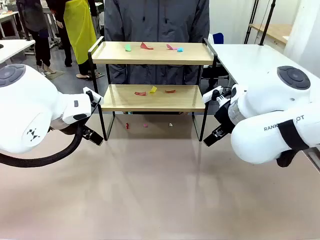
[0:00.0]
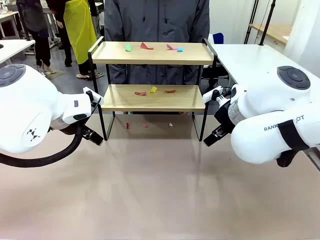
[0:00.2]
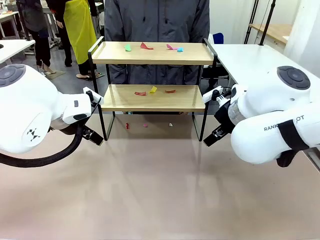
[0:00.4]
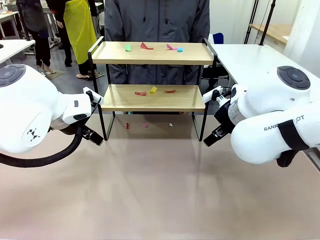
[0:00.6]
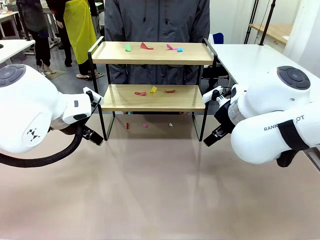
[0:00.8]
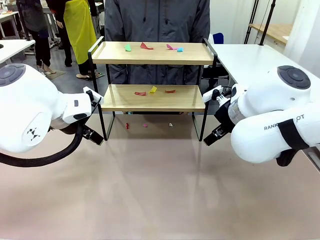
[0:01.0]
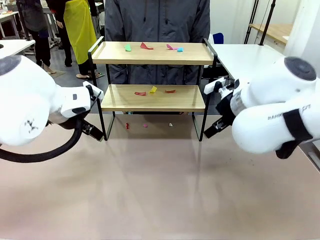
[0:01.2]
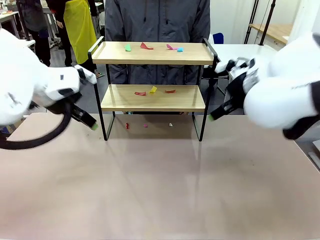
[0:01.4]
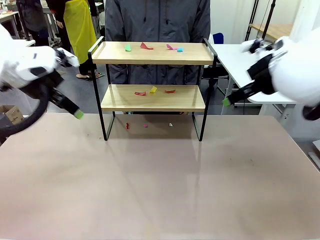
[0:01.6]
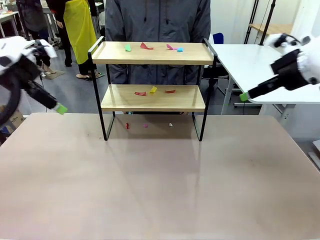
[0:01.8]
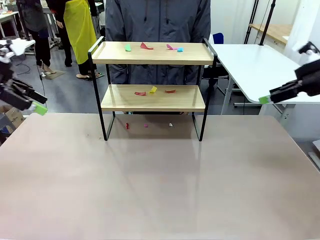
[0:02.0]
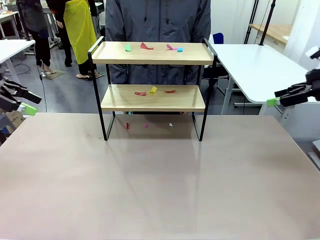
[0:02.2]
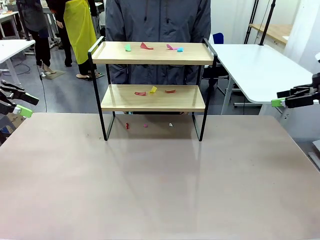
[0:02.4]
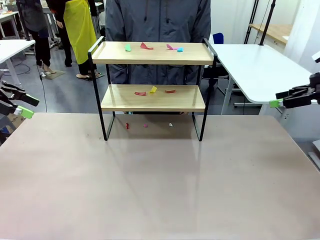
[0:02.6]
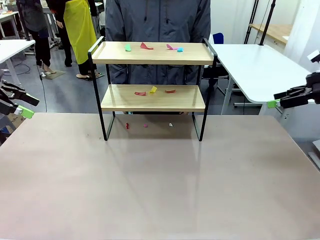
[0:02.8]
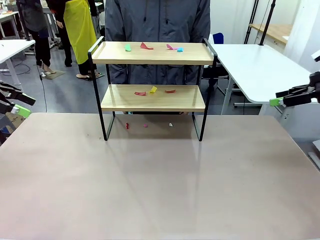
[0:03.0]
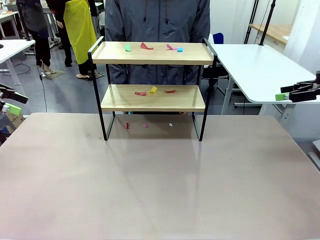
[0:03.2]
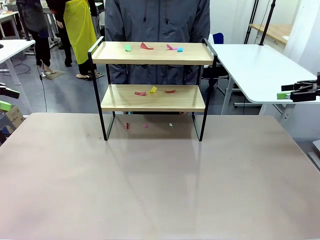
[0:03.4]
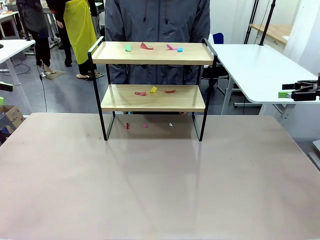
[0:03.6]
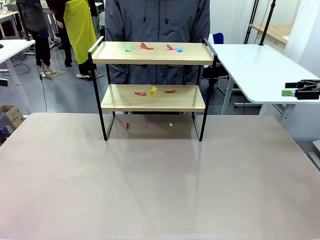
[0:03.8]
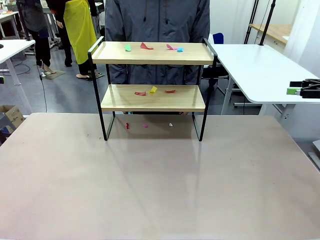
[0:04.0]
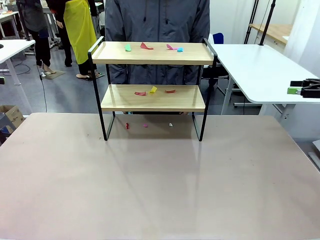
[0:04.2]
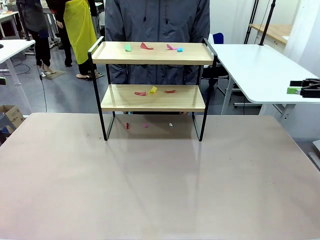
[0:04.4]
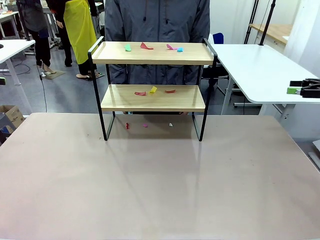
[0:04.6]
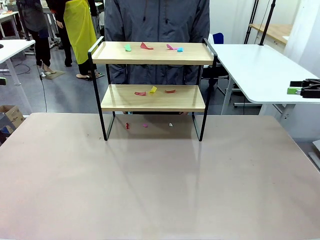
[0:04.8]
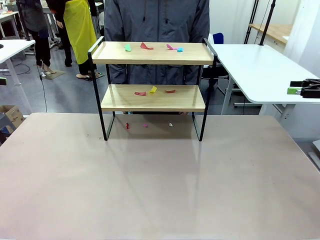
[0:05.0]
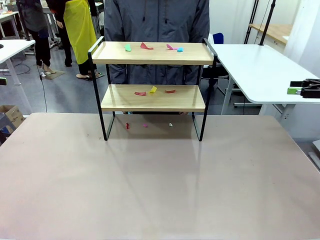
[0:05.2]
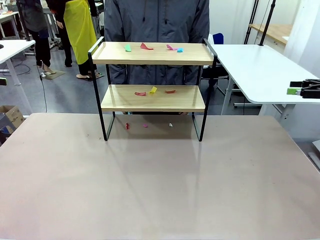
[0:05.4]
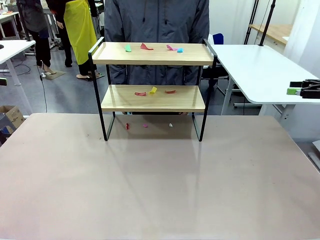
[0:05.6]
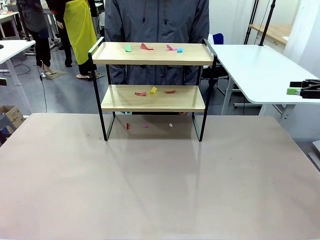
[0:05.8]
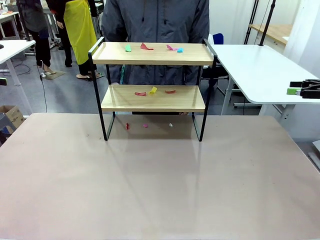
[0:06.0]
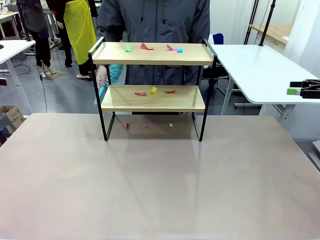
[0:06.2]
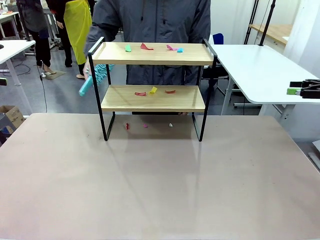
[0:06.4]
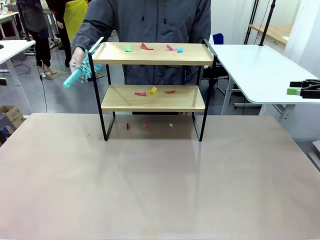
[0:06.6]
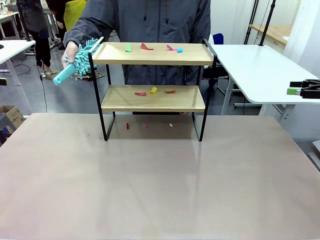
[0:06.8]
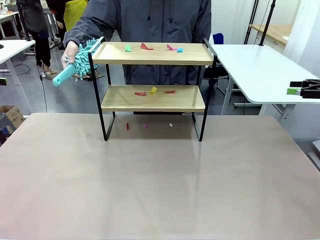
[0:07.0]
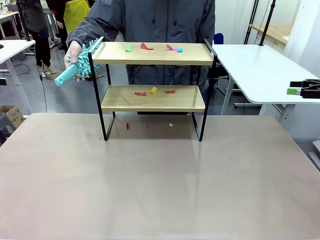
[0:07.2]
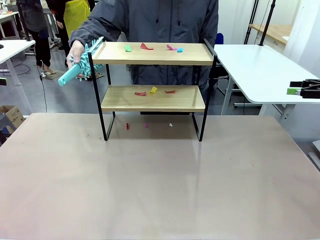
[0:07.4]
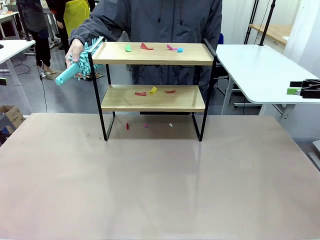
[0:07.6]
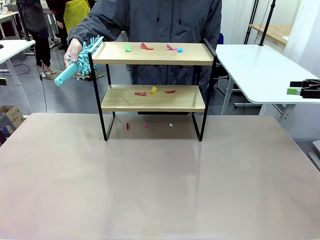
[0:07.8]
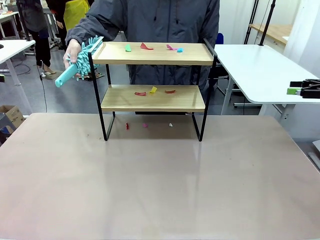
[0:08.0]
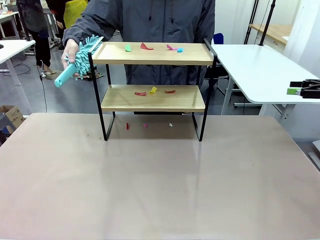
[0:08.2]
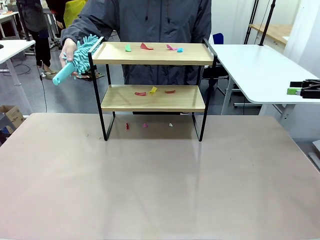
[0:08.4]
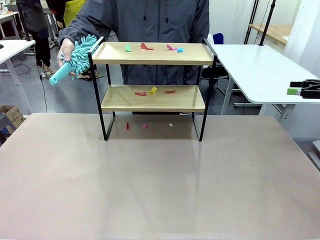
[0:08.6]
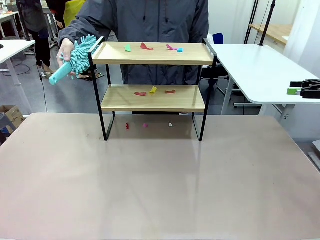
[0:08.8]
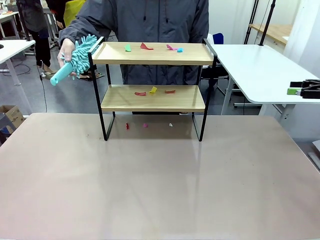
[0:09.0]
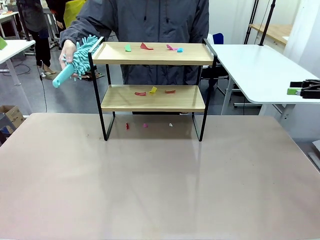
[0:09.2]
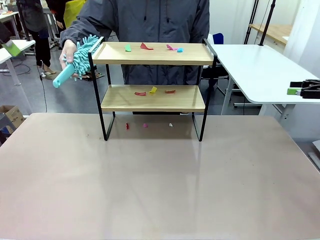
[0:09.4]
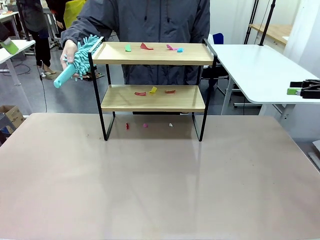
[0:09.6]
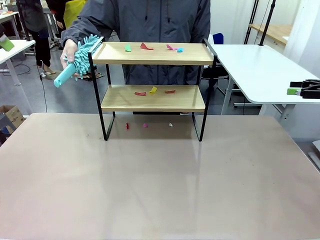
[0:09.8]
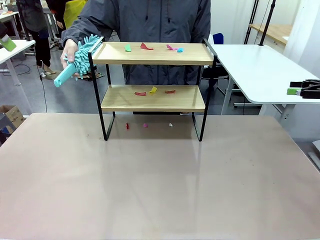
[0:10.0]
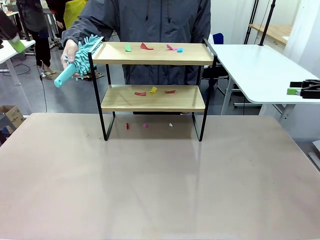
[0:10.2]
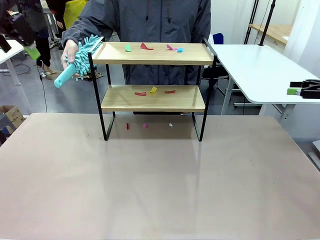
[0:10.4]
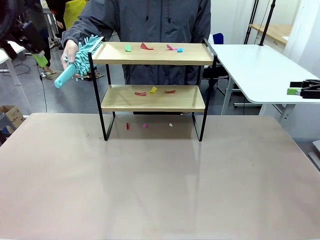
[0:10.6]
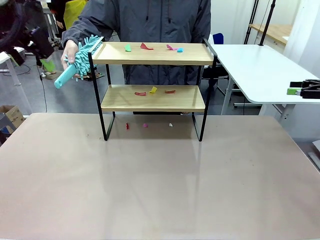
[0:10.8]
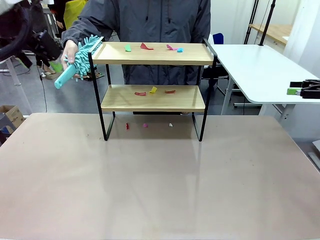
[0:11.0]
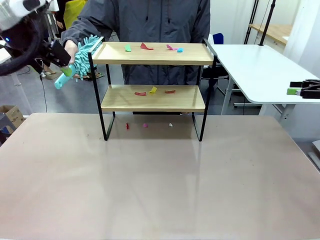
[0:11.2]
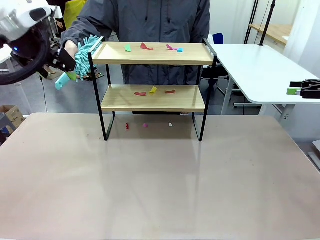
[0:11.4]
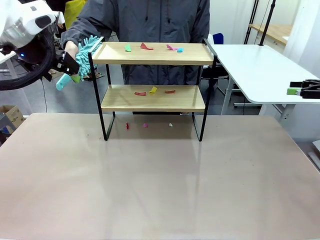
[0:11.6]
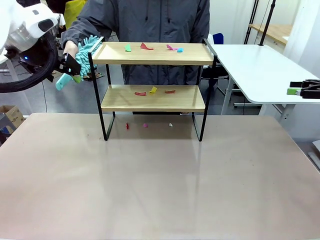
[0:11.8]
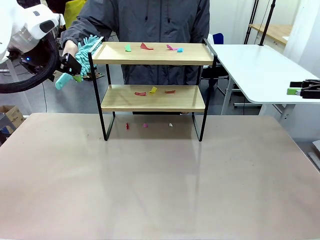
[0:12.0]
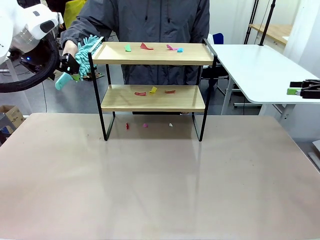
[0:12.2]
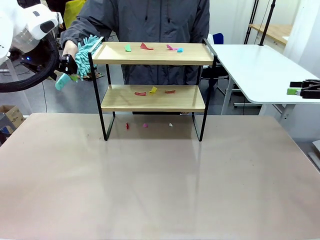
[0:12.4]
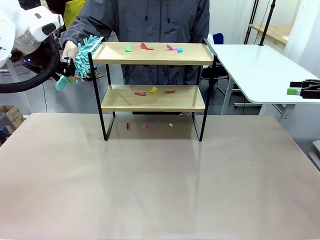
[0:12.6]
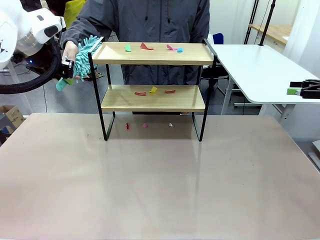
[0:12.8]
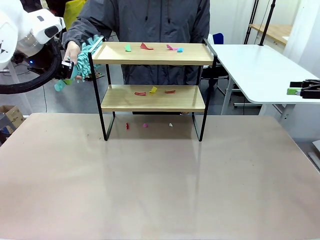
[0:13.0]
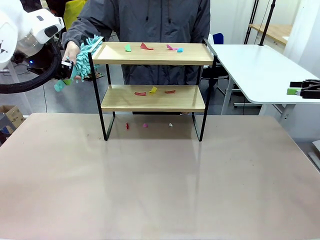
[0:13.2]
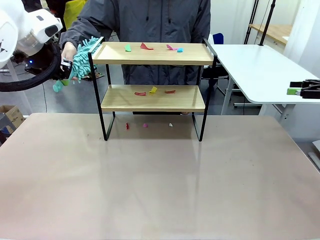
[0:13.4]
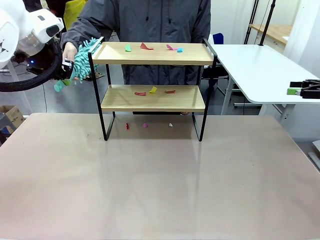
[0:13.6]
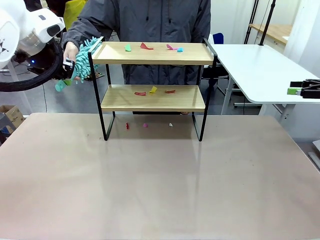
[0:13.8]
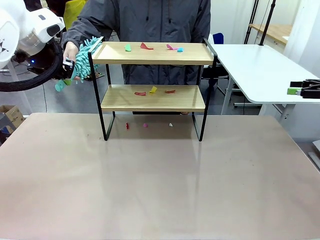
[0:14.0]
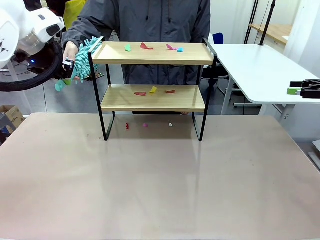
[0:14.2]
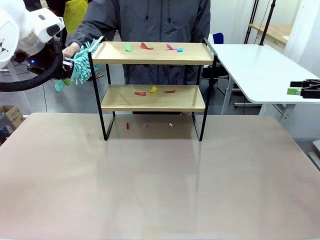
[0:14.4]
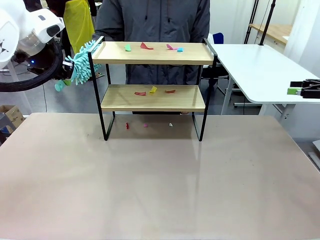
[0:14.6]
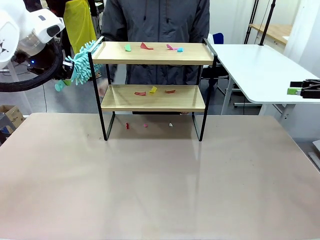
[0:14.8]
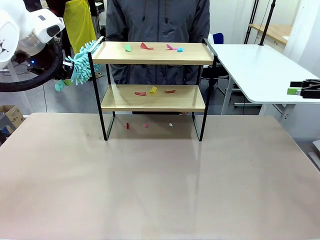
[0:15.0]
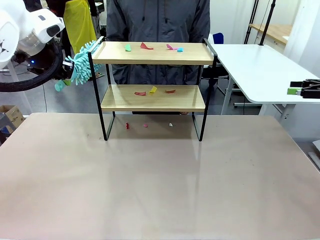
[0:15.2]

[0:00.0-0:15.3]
Task: Clean the shelf.
Robot: Pick up the Duster handed by the human.
Person: Hand the Duster to the robot.
